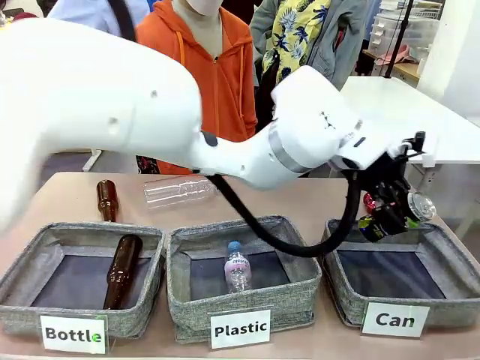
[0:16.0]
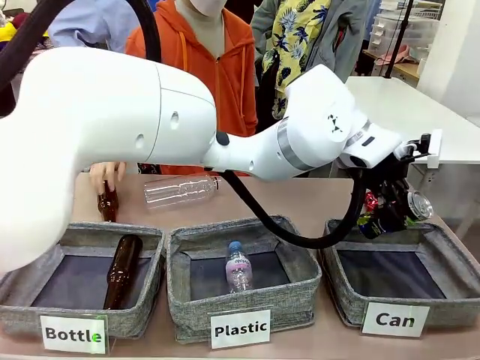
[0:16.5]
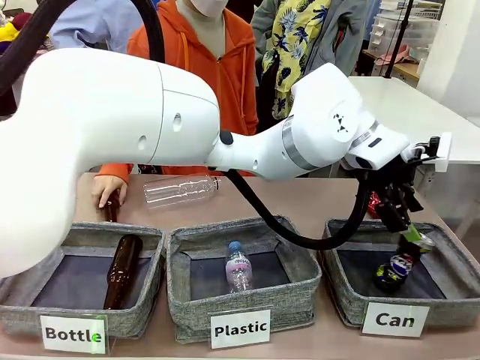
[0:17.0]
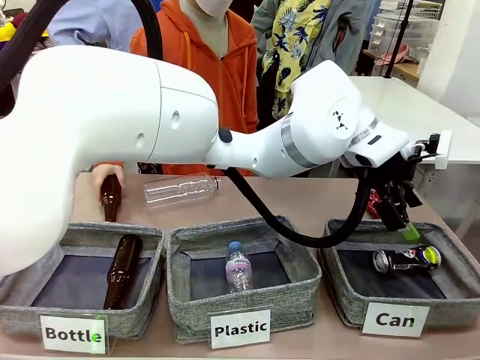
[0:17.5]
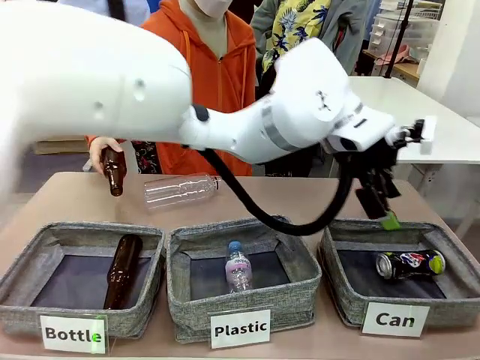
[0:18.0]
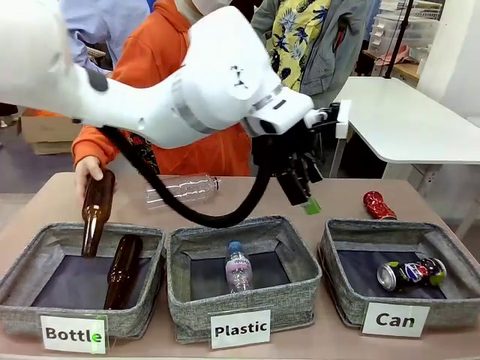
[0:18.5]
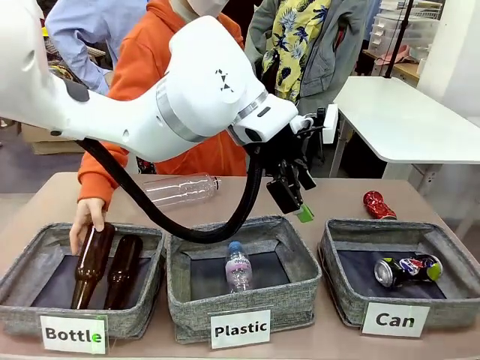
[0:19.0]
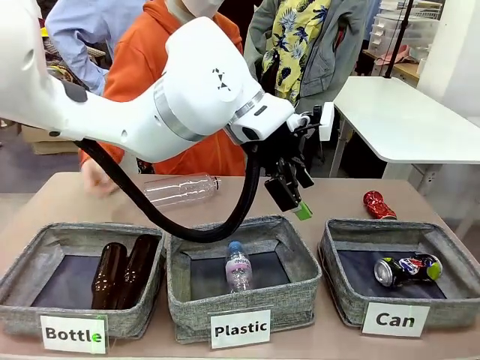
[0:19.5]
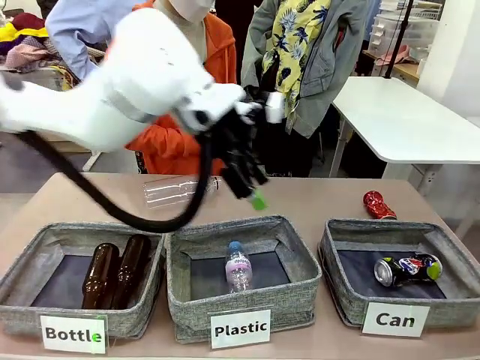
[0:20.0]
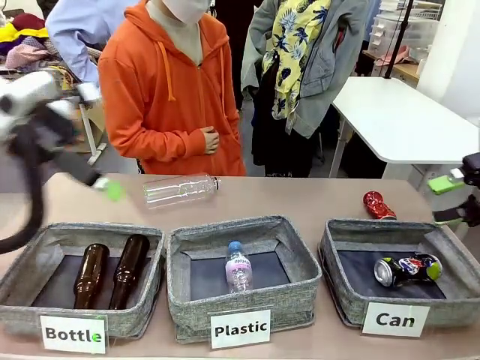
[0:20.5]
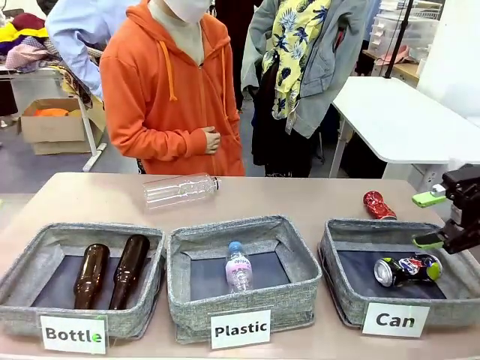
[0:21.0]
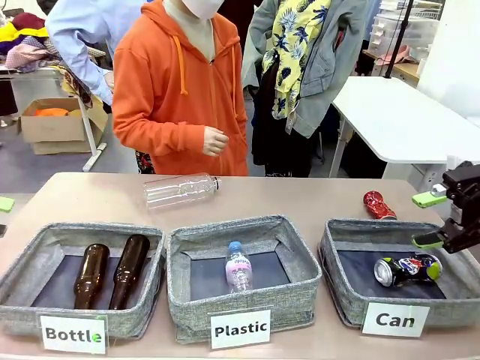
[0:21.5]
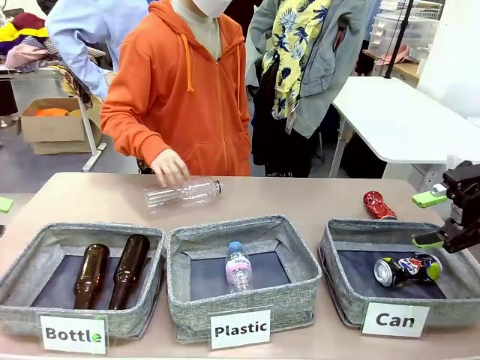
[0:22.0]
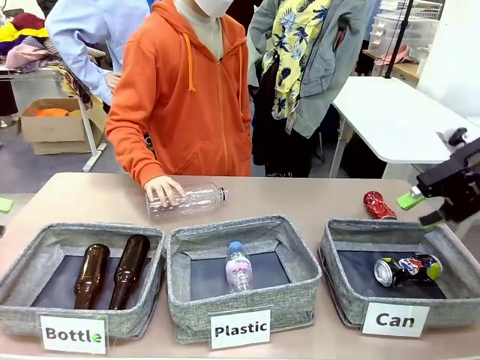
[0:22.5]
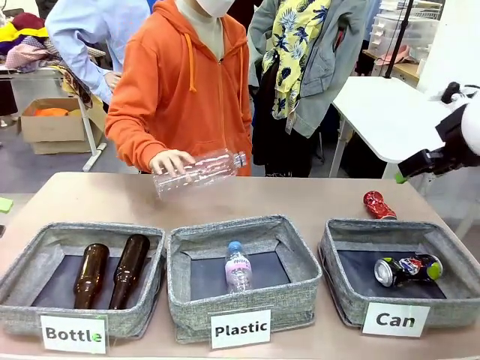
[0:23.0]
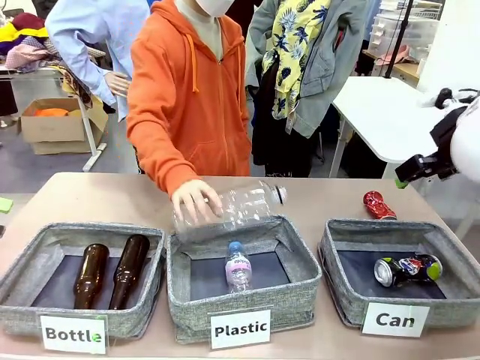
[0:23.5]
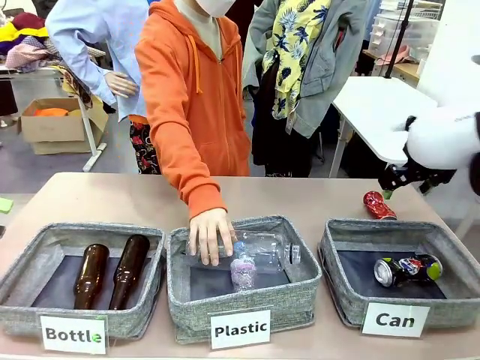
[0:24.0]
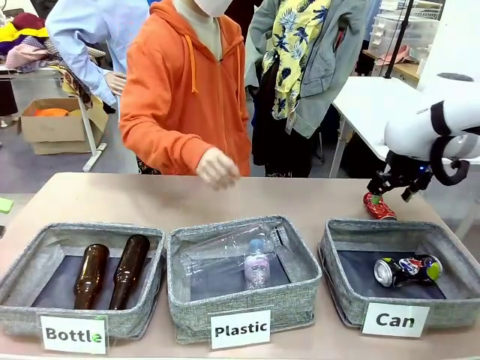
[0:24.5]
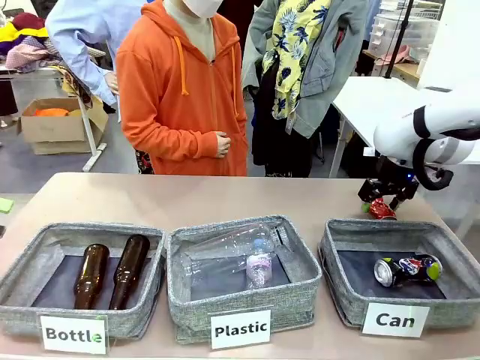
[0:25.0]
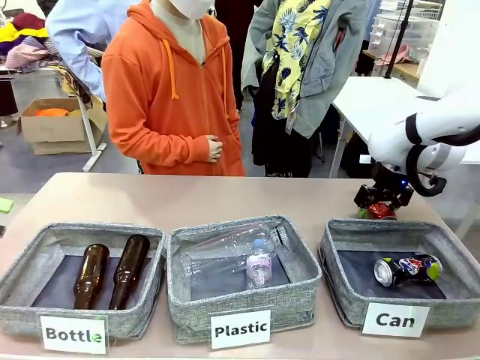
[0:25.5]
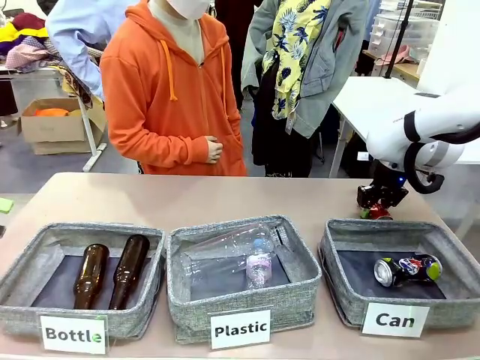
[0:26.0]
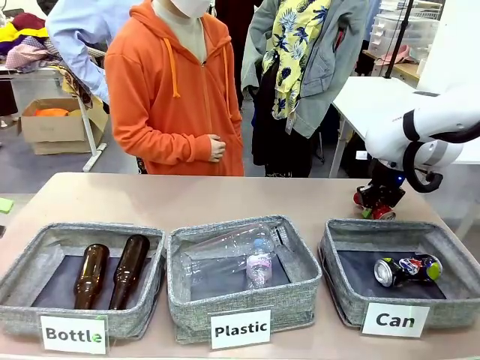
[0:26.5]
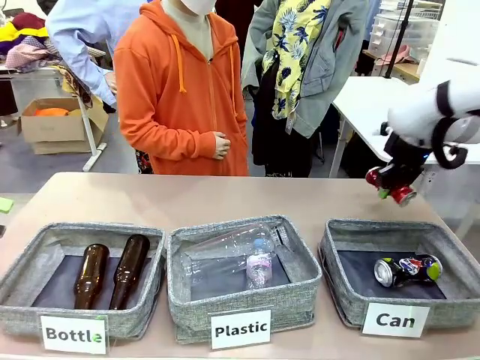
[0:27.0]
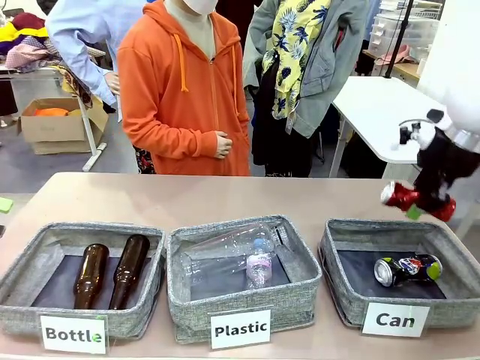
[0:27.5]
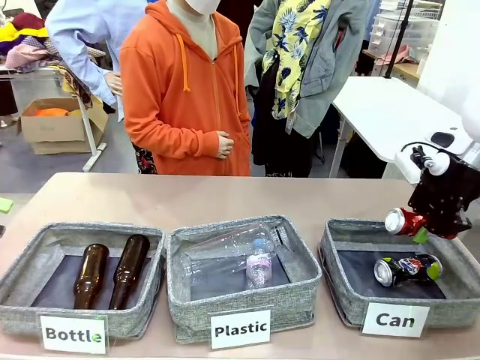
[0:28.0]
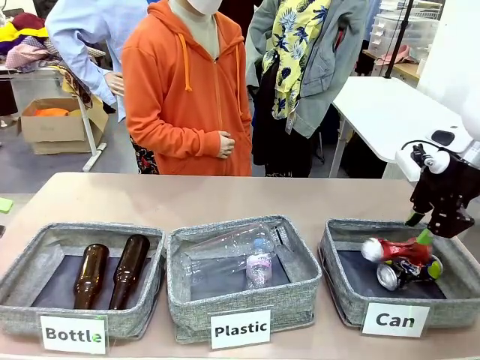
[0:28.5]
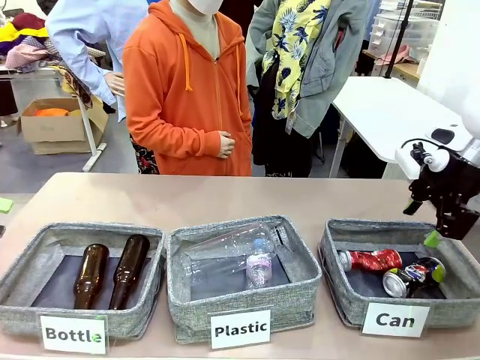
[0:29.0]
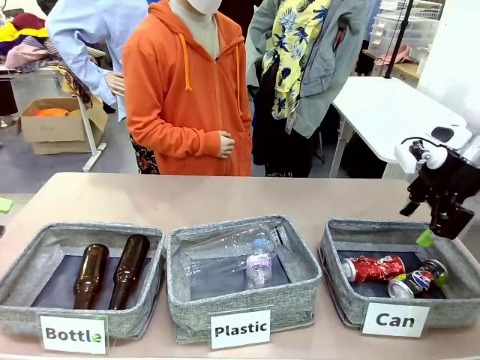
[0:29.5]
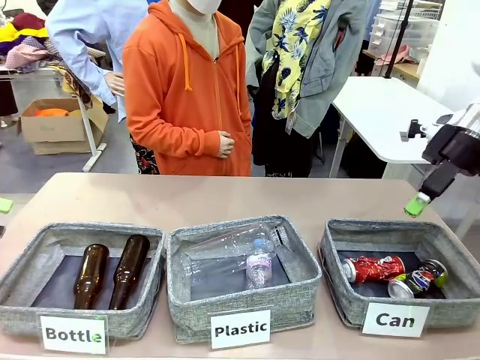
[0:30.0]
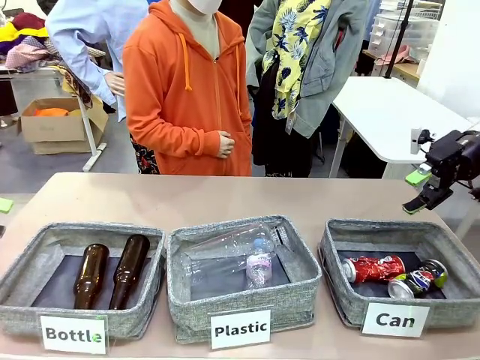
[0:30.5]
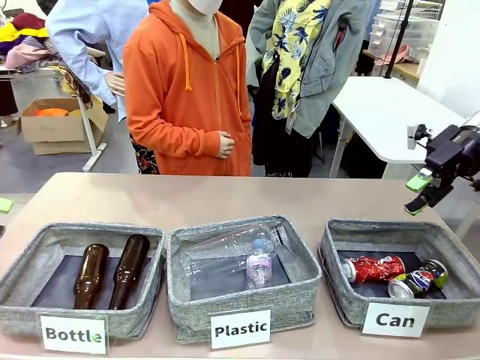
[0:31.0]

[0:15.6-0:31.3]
Task: Sort the can waste into the basket.
Robot: Pick up the can waste from the table and place it in the right Fabric basket.
Person: The human picks up one piece of trash that is not a can and places the trash into the appropriate organizing basket.
